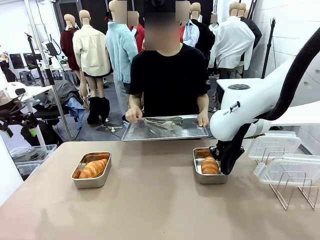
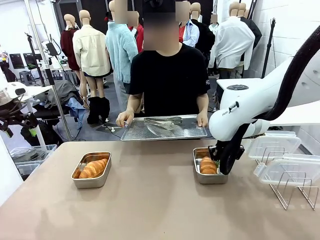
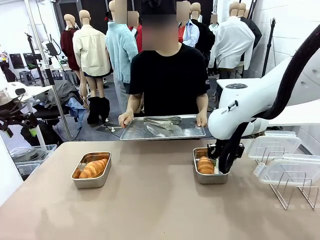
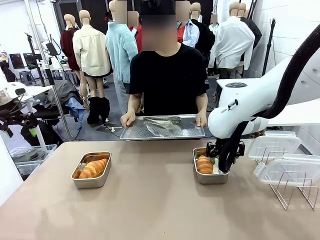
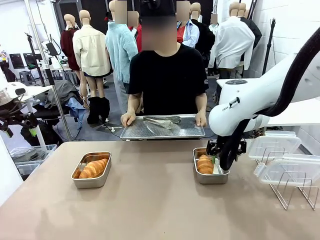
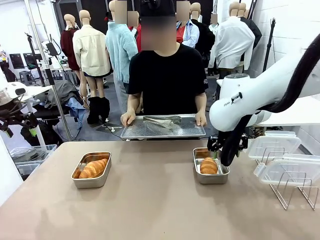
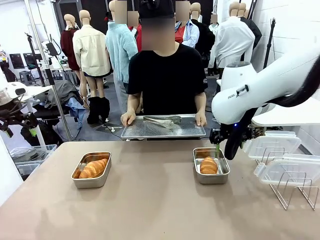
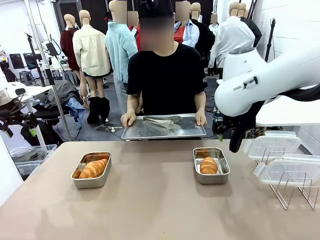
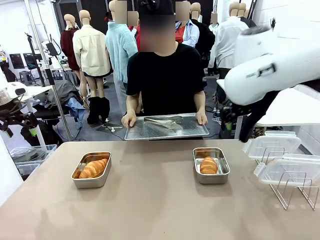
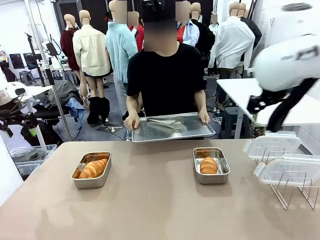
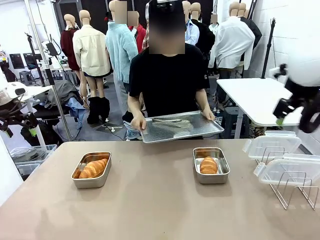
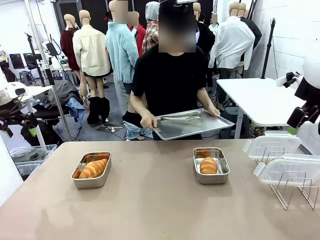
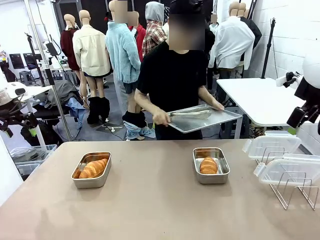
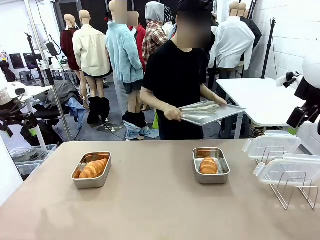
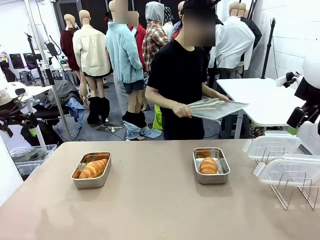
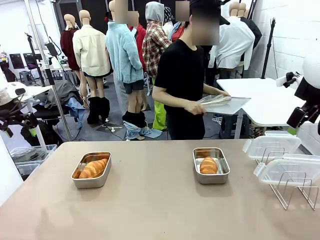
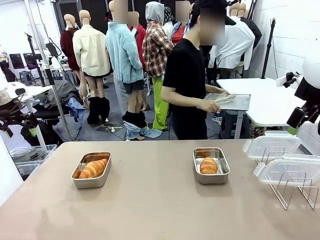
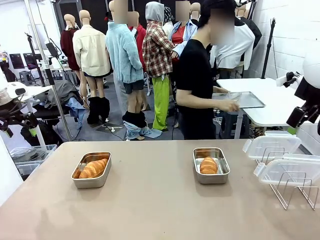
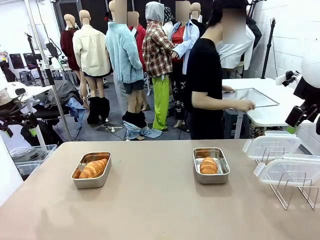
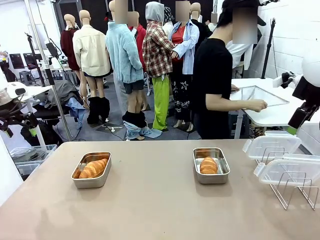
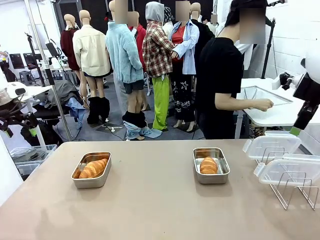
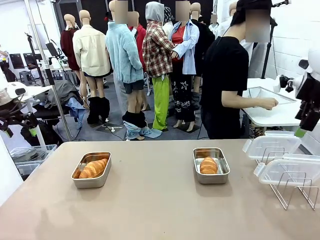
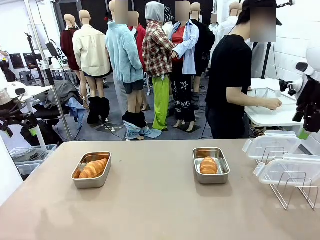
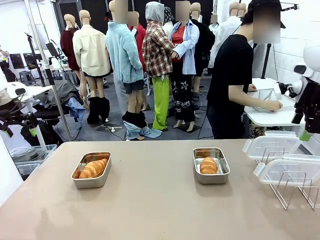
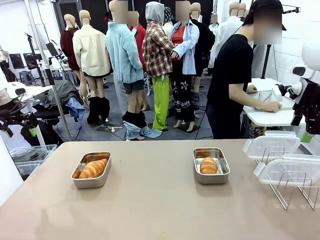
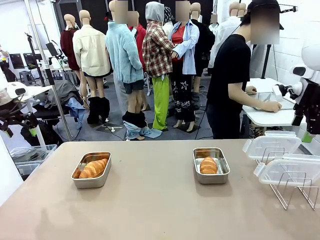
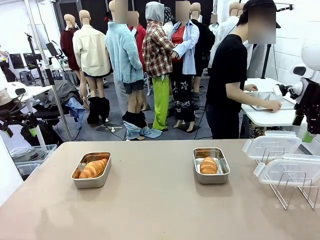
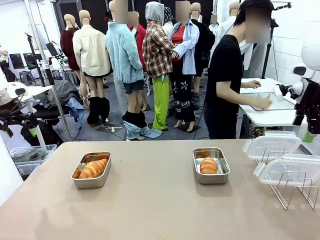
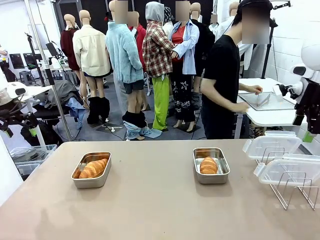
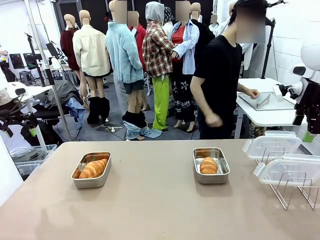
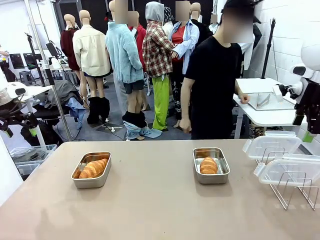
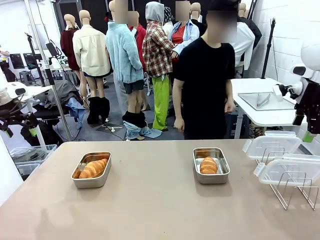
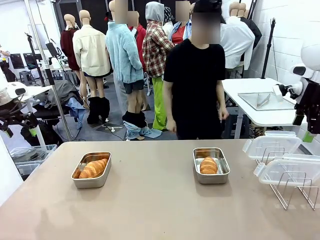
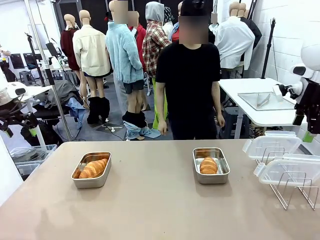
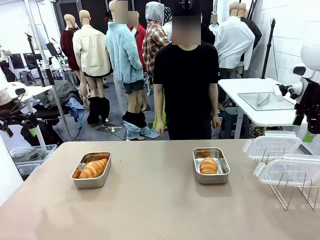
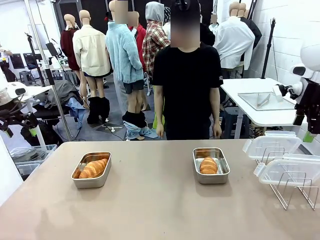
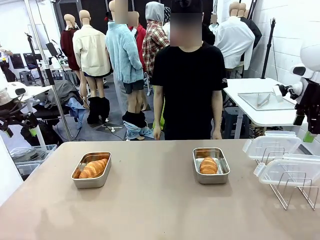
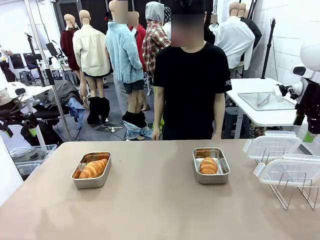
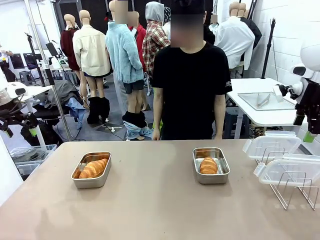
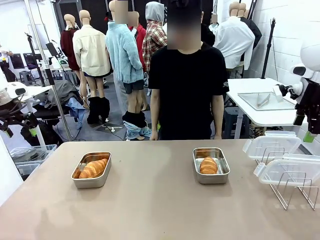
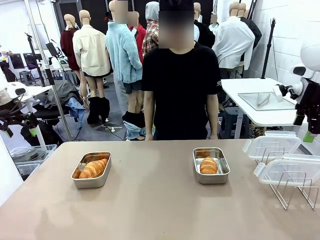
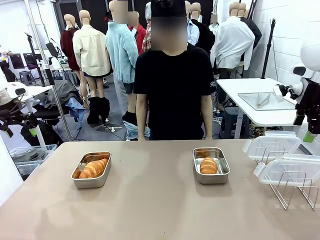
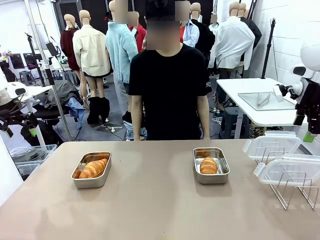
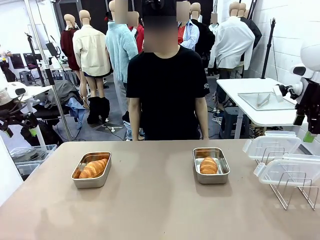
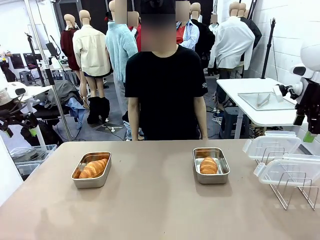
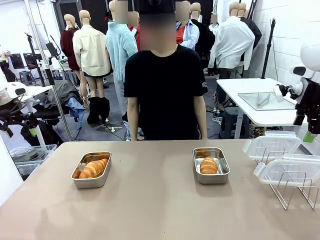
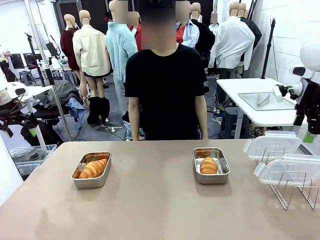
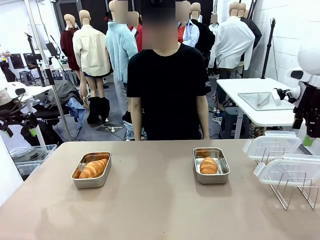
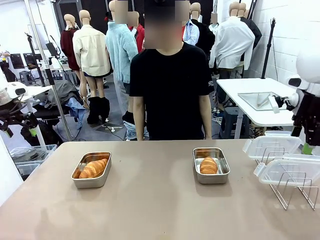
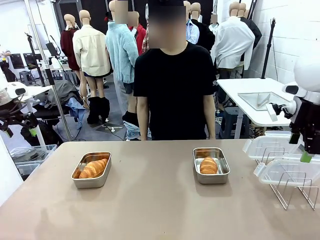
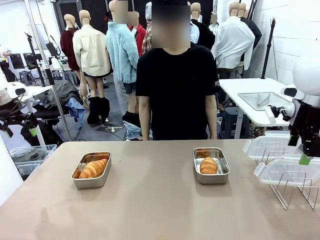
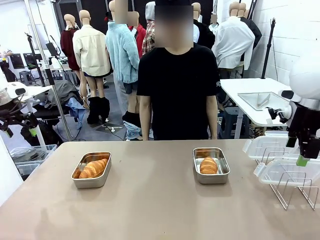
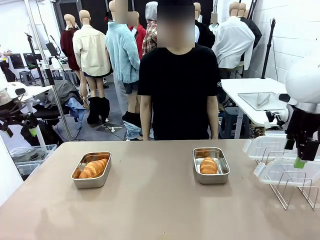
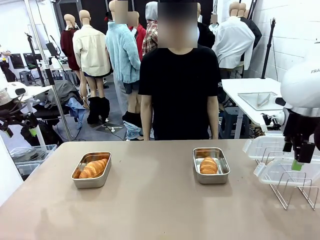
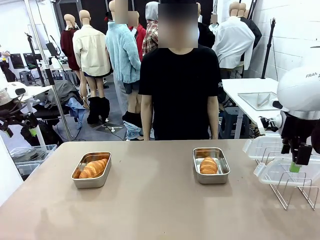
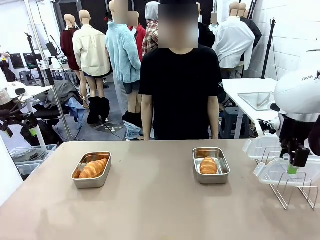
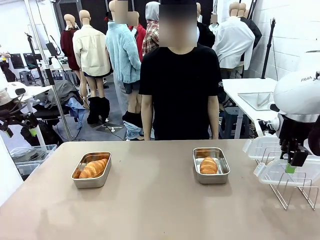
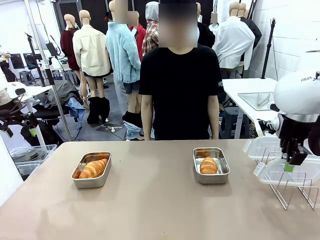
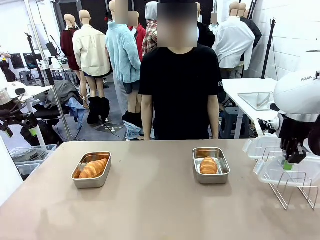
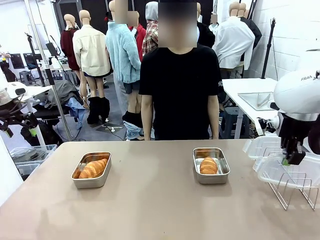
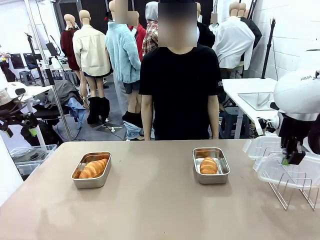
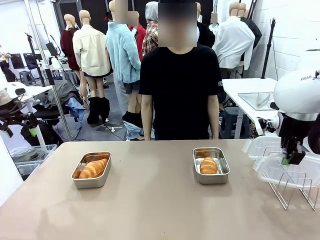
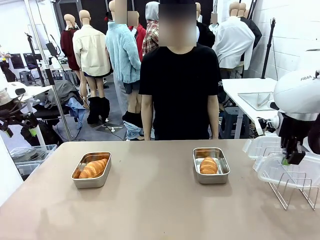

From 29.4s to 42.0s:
Task: Place the bread in airtight containers.
Robot: Pick up one Airtight Container lid and hand it to the human.
Person: Place Baking Sheet on the Human's Table.

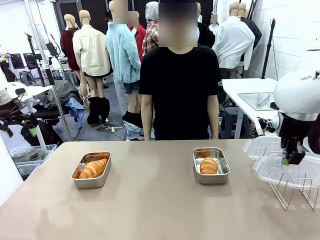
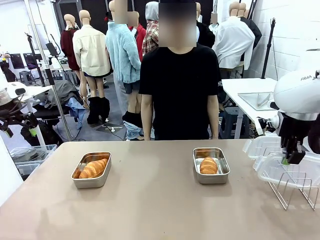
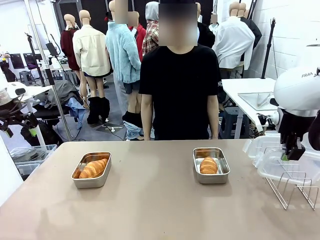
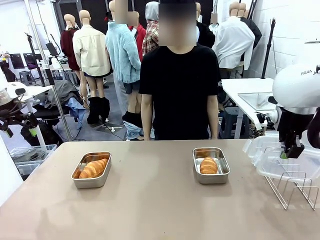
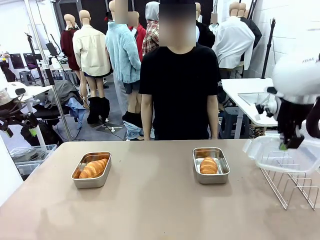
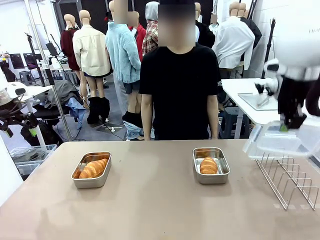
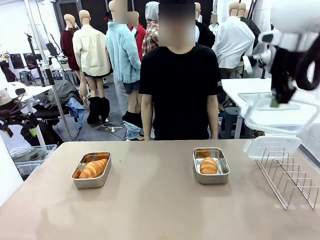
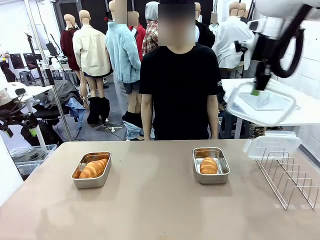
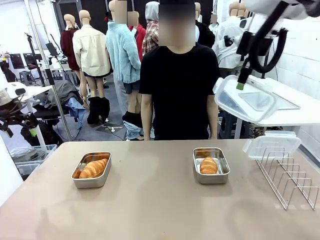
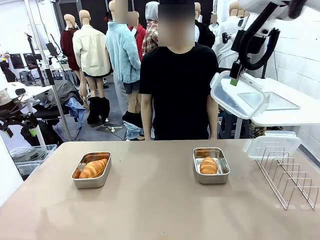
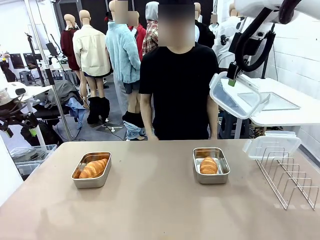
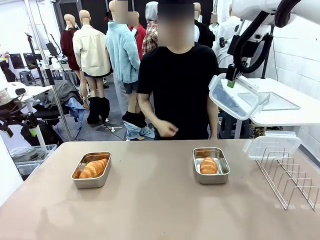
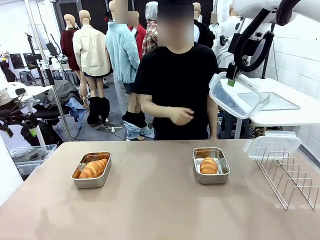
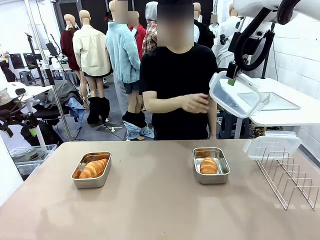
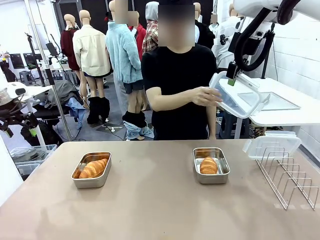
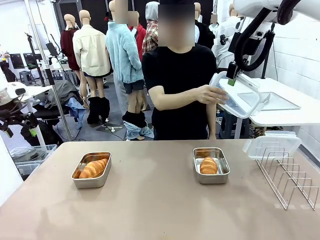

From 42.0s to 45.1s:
Robot: Release when the human grabs the Airtight Container lid.

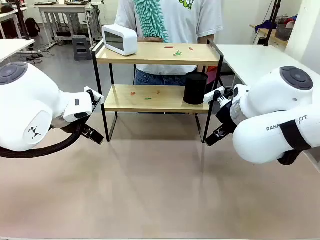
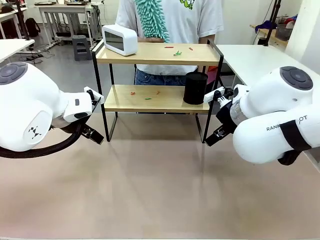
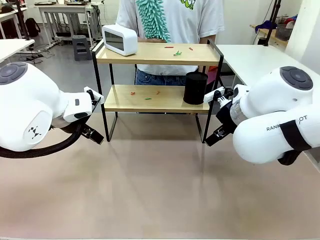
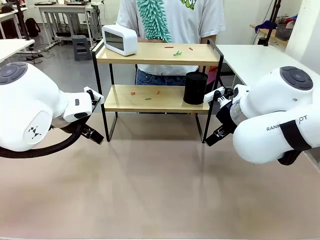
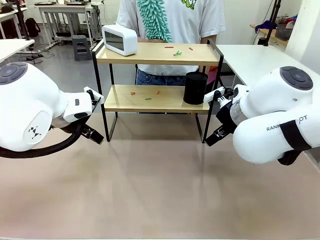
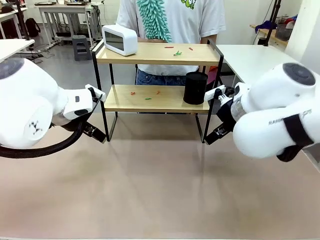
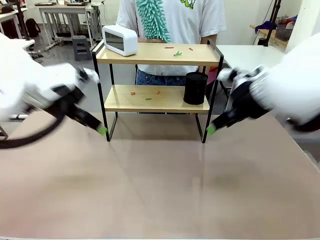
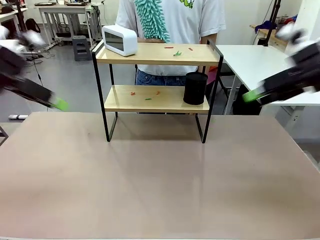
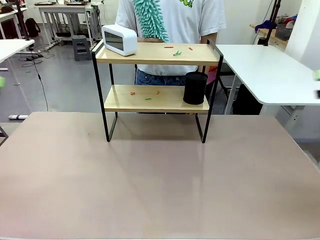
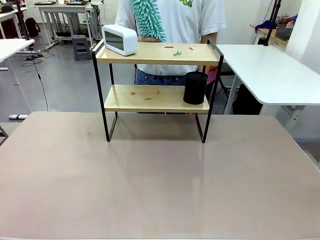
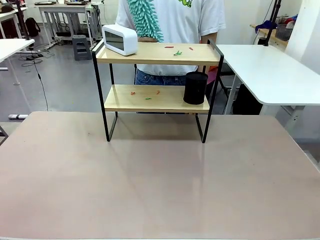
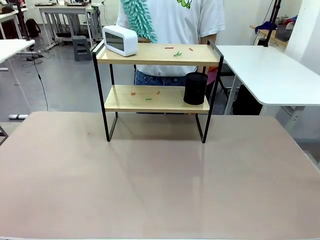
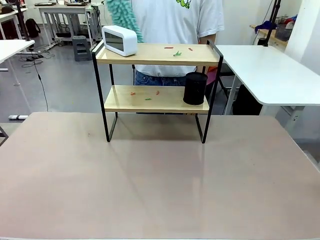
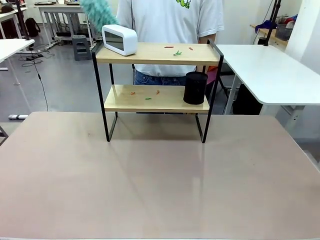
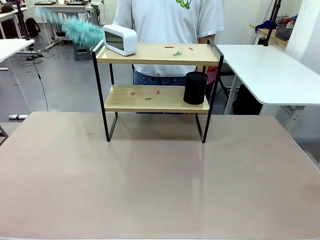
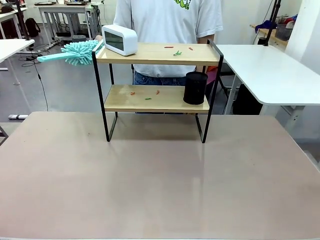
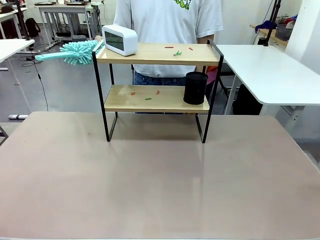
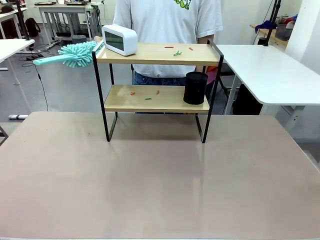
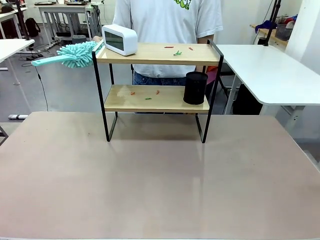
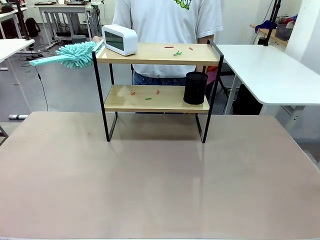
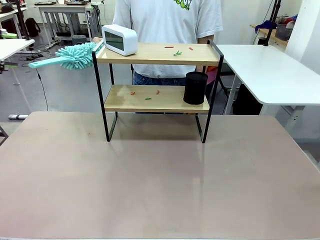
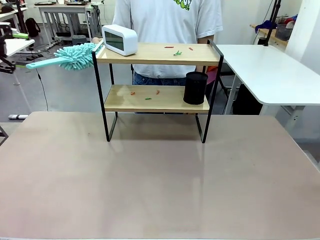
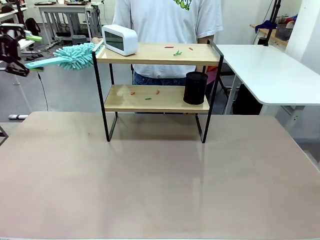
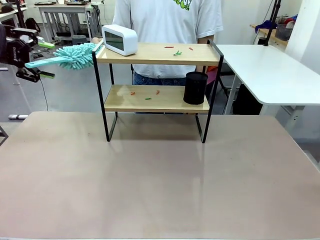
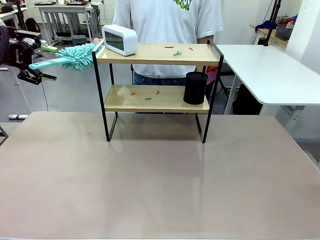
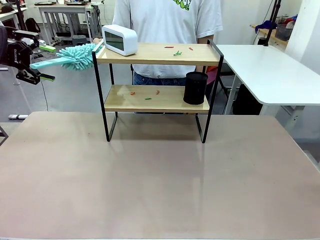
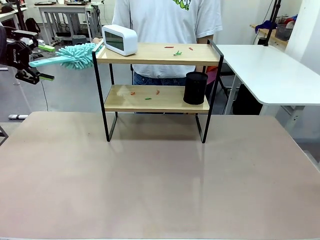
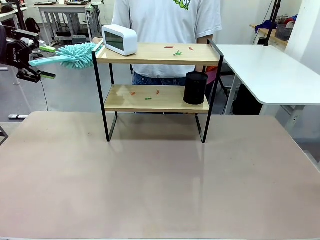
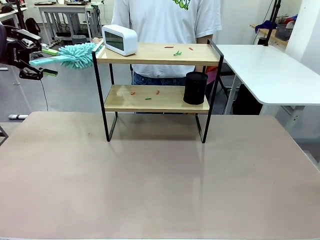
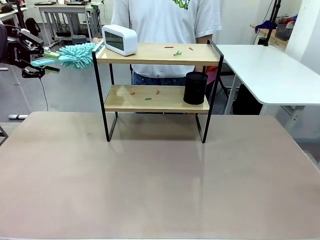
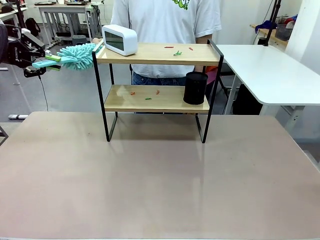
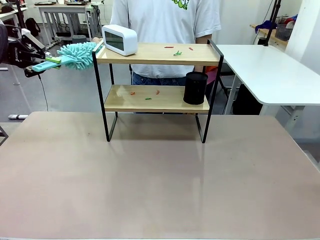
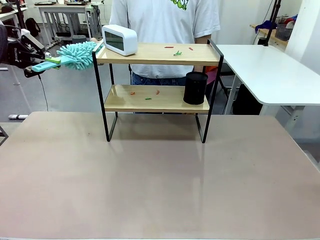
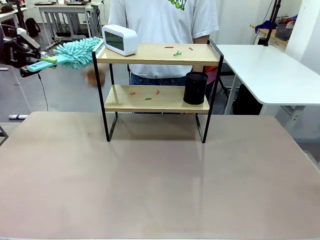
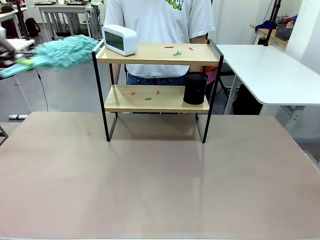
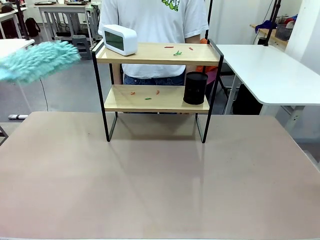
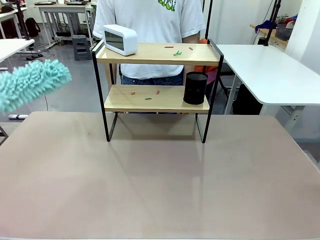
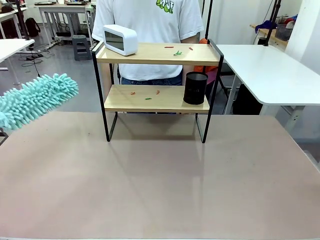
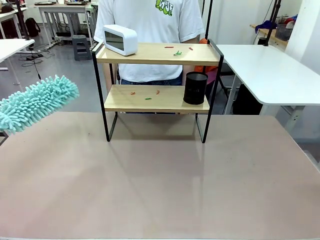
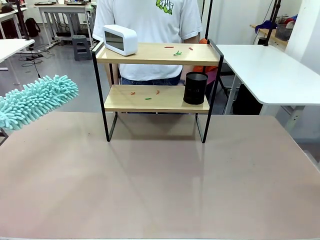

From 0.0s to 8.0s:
Task: Clean the shelf.
Robot: Pick up the Duster from the human.
Person: Hand the Duster to the robot.
